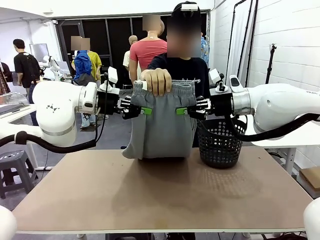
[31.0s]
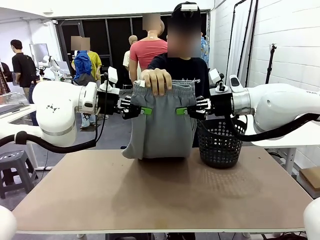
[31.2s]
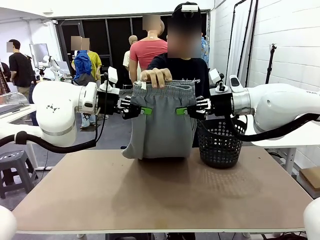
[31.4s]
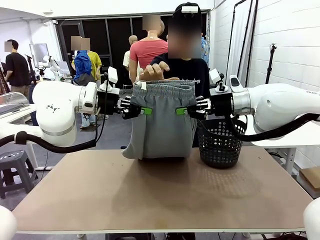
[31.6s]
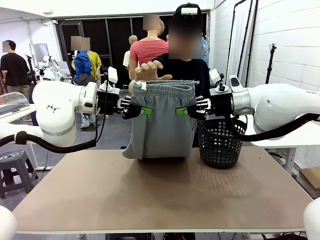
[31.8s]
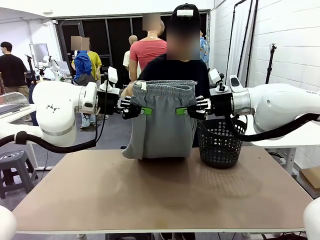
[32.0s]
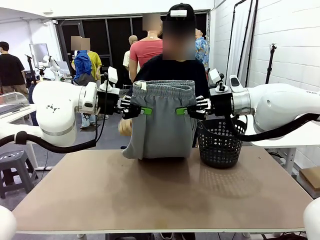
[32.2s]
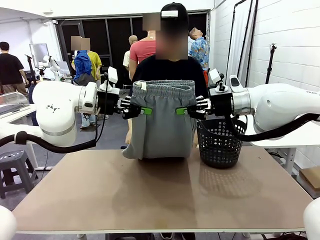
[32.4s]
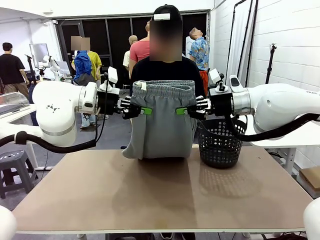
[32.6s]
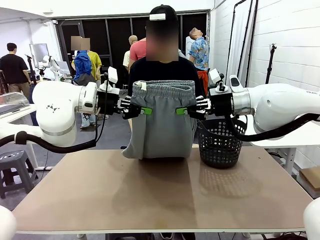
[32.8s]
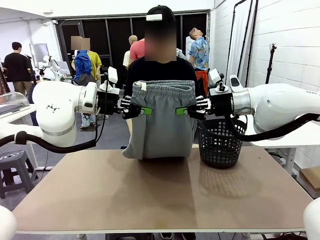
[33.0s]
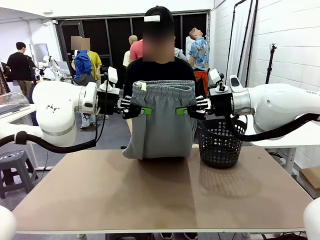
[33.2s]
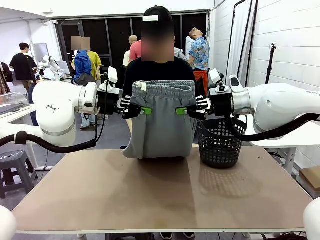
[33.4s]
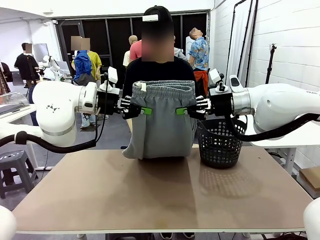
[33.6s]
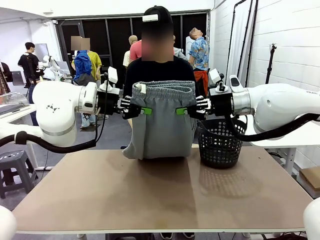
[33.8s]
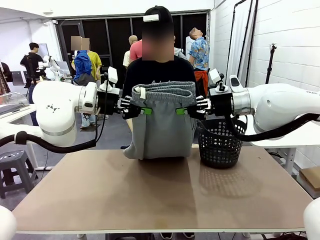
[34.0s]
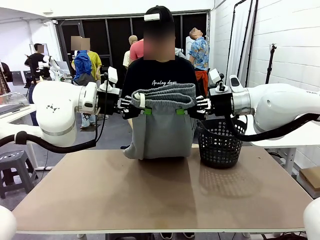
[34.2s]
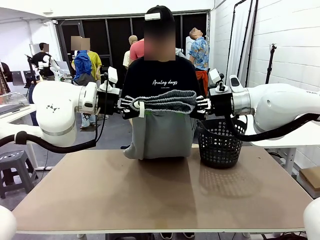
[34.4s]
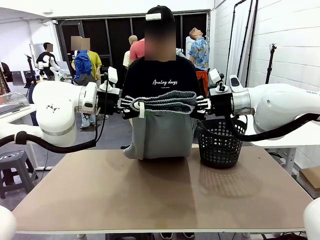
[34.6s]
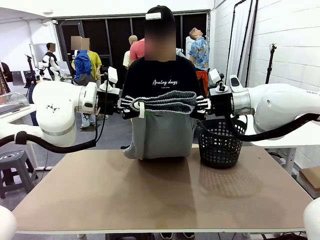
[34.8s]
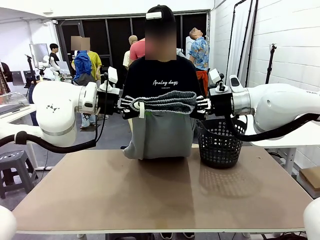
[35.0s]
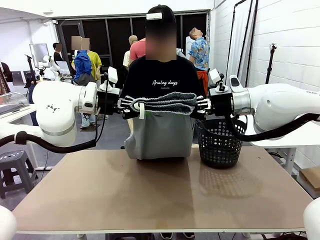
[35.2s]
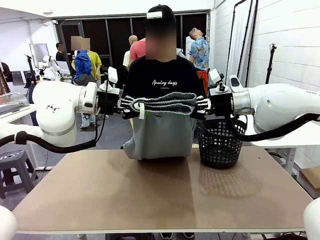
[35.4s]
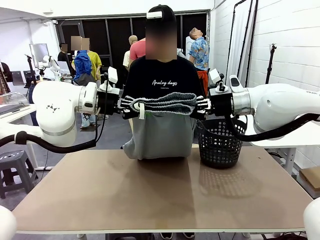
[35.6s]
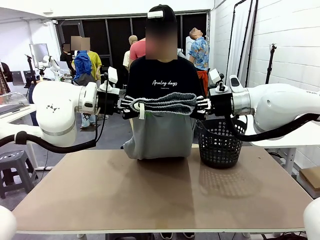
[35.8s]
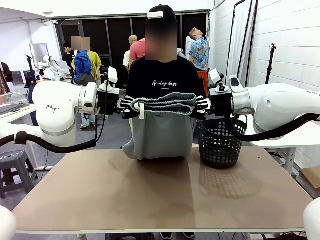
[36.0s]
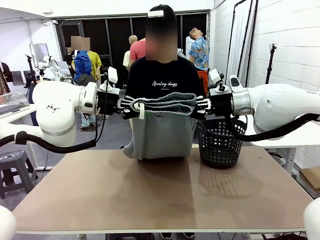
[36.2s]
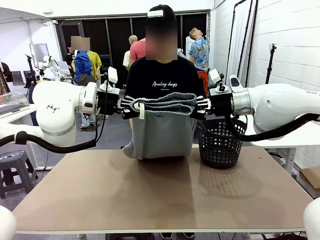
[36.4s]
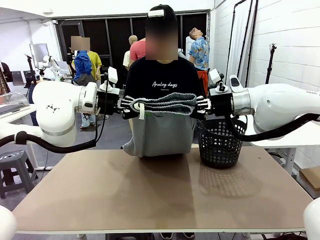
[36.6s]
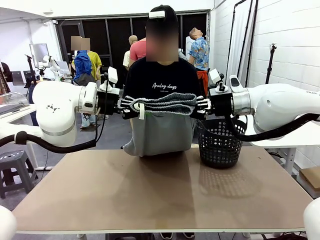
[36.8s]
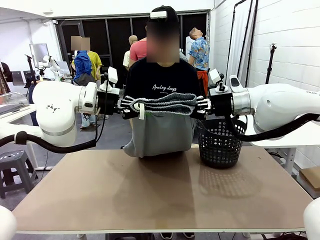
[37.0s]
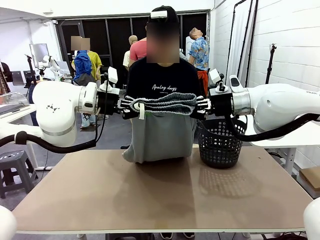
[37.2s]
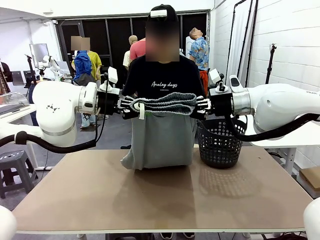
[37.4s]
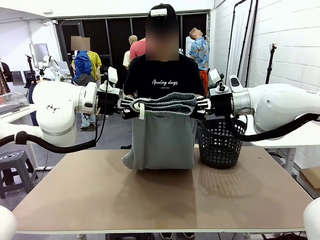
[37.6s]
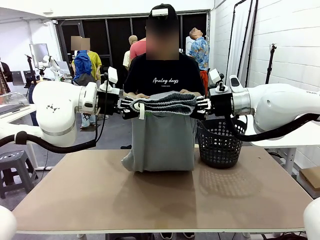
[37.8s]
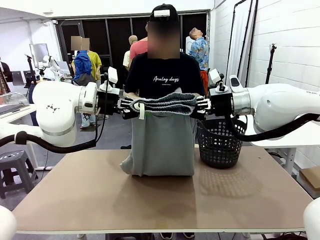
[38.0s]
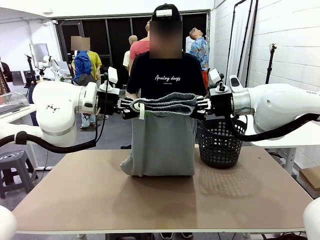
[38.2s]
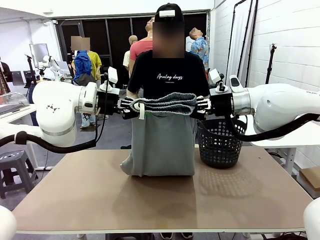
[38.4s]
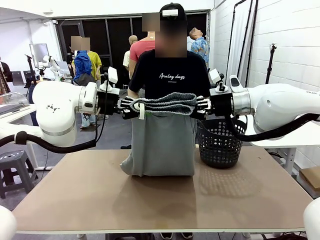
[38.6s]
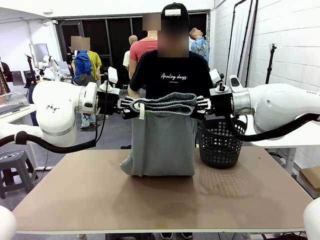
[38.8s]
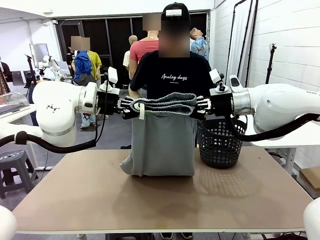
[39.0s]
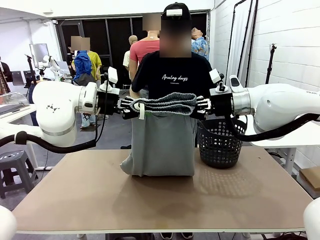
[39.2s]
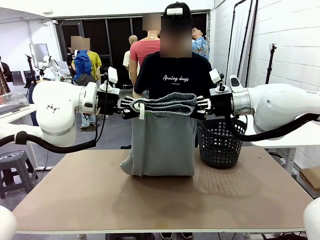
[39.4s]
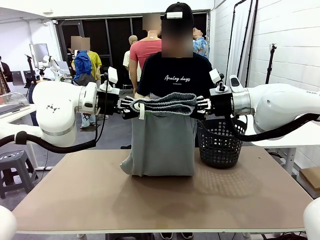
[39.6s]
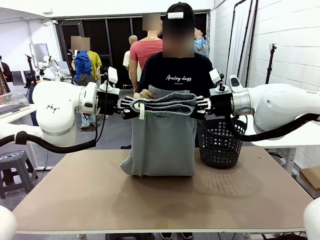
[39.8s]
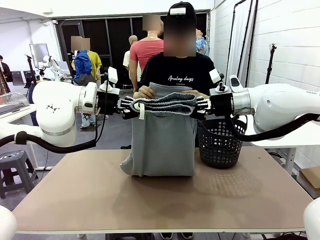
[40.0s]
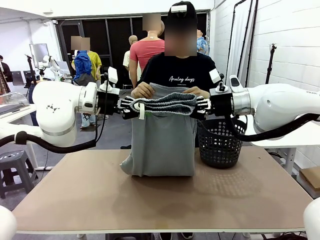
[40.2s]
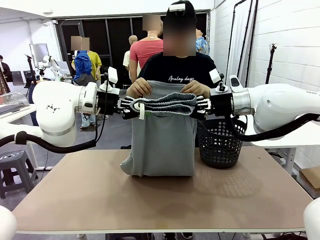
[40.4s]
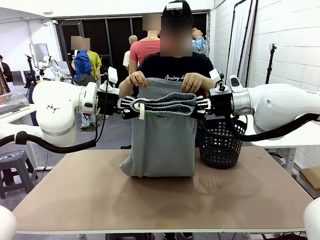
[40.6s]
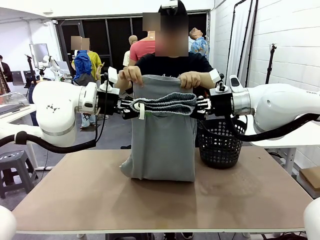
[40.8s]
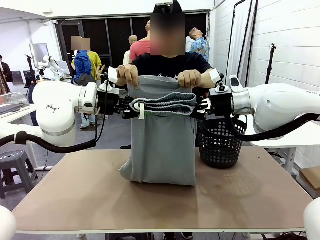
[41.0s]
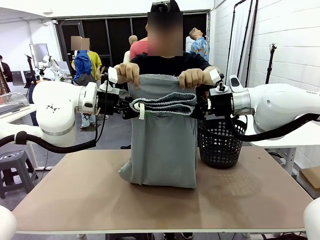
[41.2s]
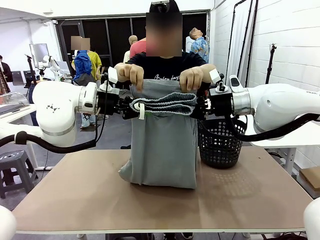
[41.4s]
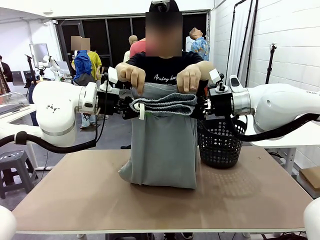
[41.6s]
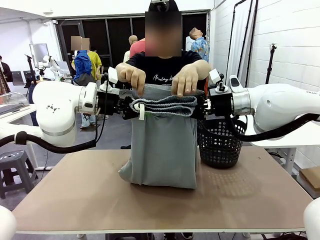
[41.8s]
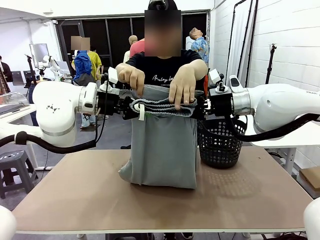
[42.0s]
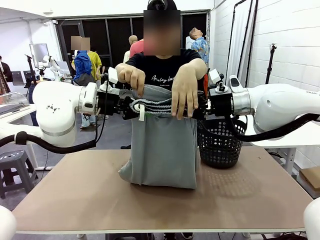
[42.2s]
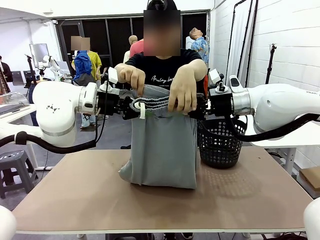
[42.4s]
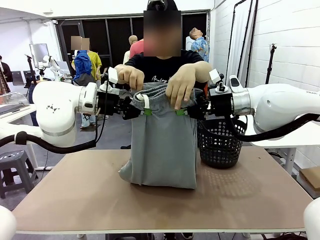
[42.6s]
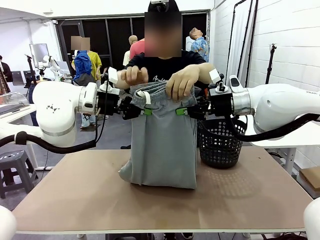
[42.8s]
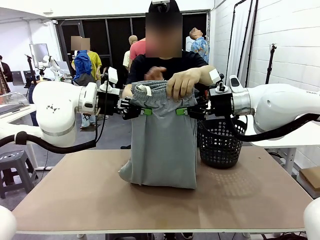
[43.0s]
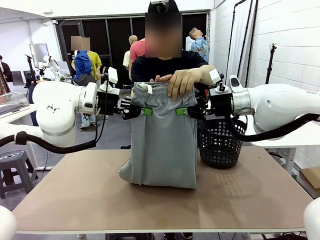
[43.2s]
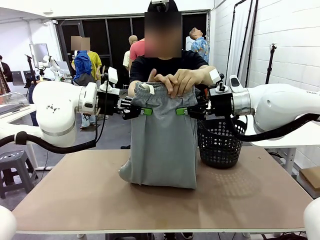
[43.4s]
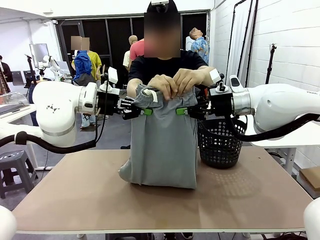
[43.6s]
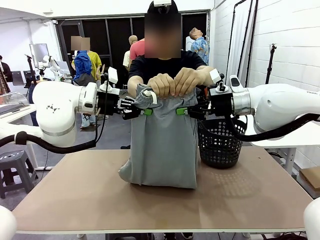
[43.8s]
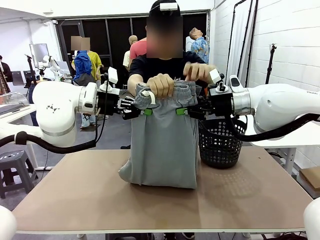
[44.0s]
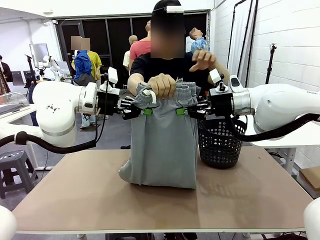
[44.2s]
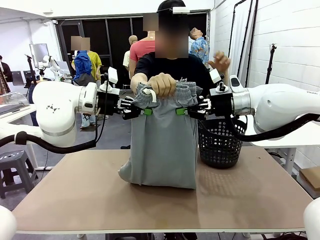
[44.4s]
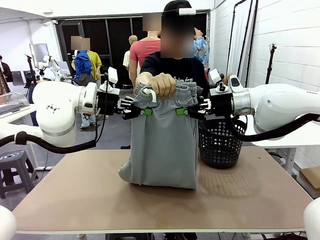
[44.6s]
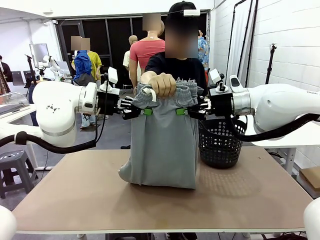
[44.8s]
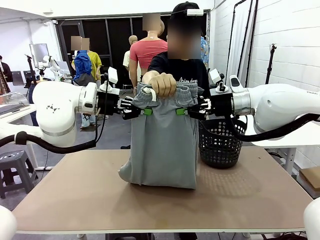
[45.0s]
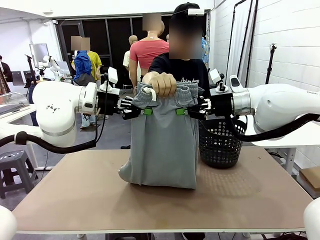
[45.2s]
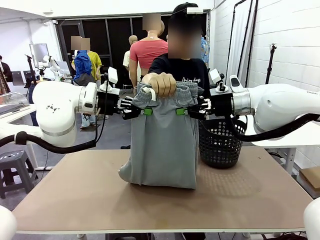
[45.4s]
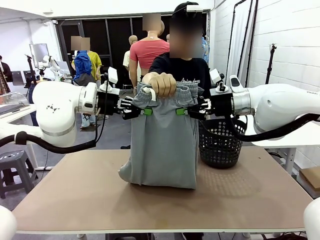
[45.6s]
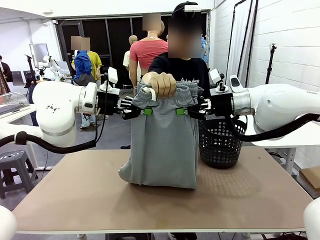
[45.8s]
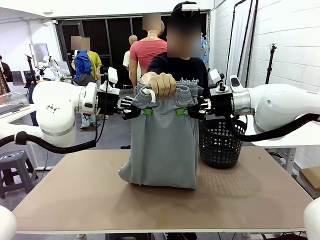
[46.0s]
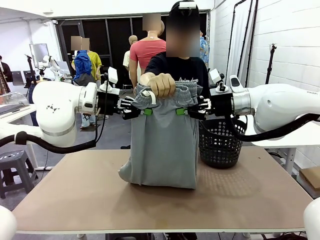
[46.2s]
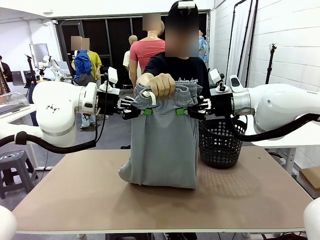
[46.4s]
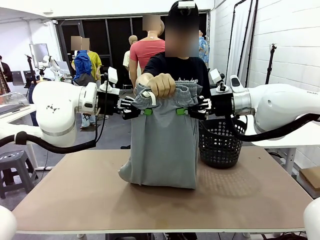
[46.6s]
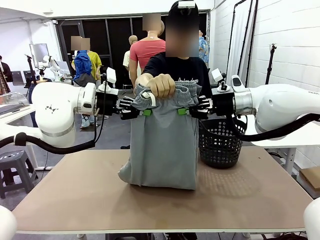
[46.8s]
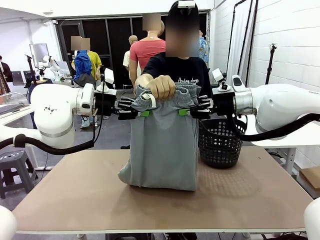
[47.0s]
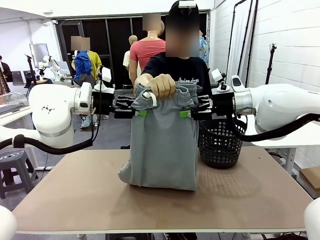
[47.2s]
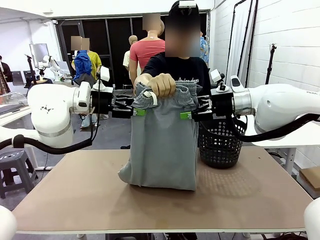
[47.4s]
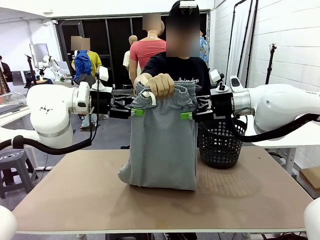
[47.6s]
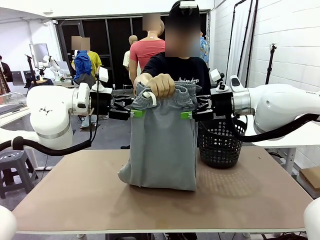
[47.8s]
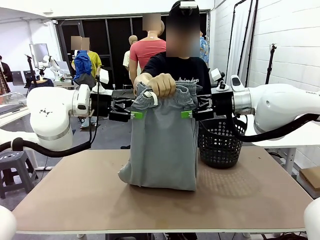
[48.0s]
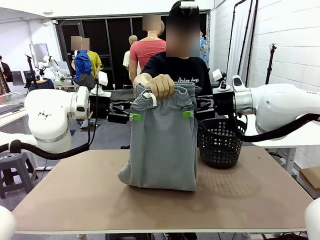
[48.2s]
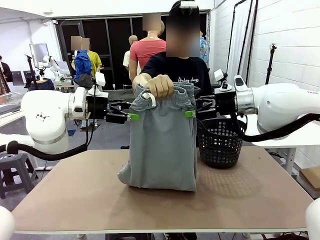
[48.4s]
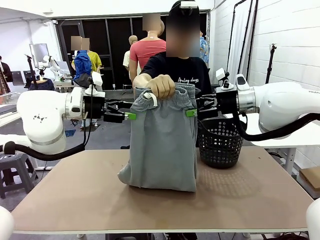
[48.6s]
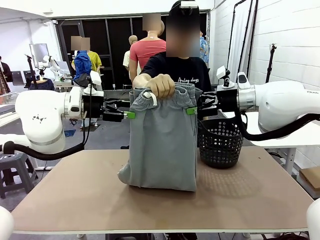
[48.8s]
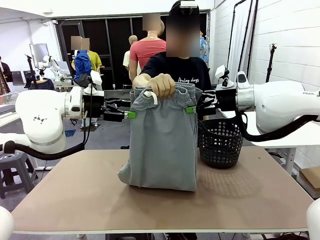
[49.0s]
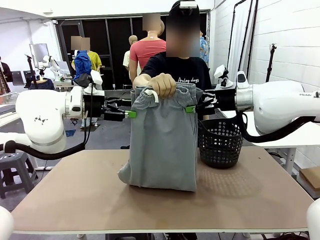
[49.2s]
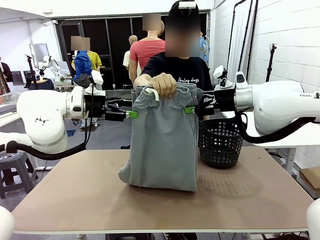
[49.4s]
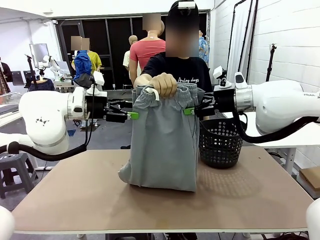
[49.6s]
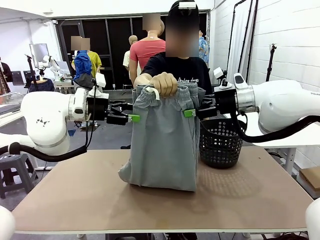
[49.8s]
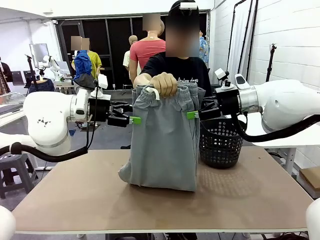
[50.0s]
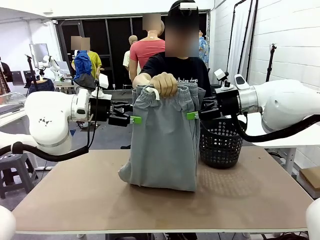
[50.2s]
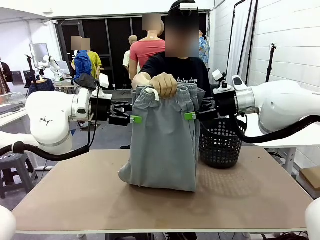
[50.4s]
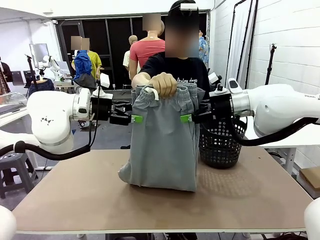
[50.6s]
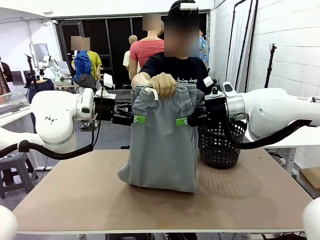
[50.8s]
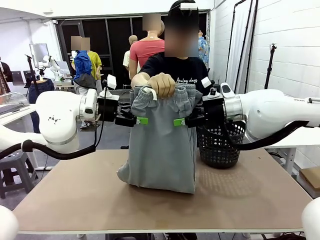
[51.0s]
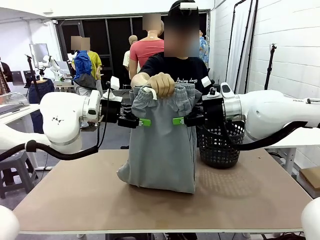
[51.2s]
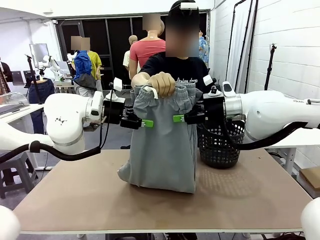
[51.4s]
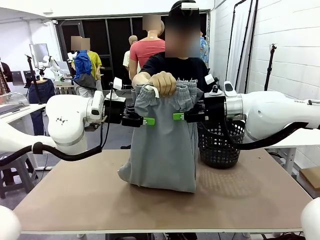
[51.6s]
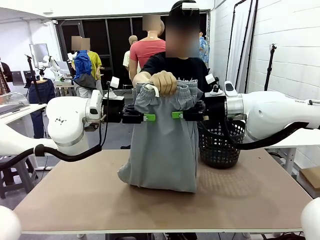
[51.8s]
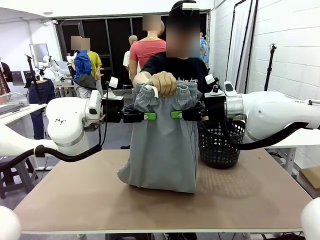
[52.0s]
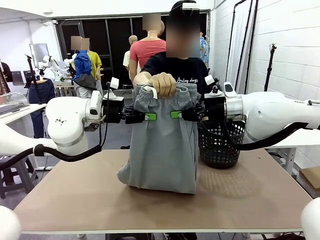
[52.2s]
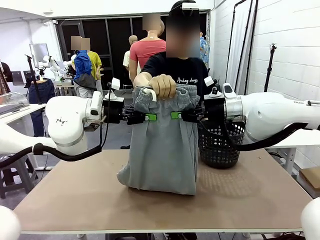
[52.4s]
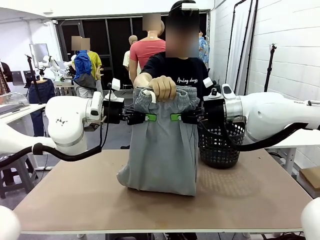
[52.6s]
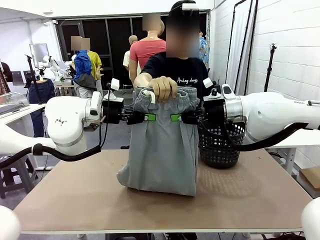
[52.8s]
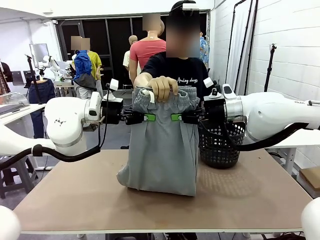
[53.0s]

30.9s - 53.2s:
Task: Fold the training pants.
Robot: Release the ends of the Training pants and then grab the overlapped ends.
Person: Grasp the end opposite the point the robot is holding, fold the pants in half, and then grasp the overlapping top end of the folded pants. Release the pants you were holding.
